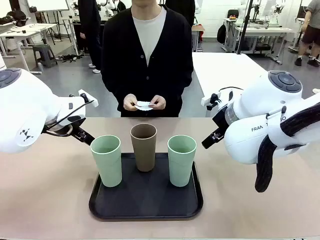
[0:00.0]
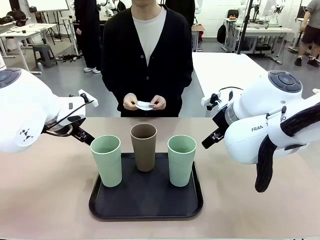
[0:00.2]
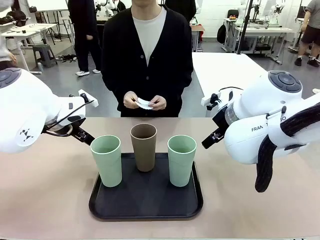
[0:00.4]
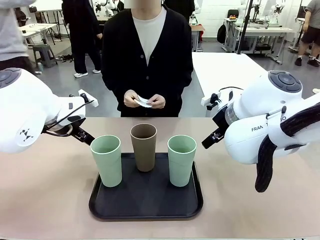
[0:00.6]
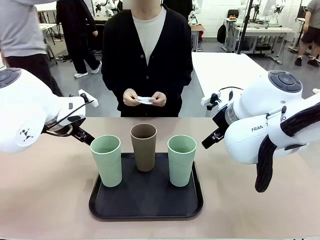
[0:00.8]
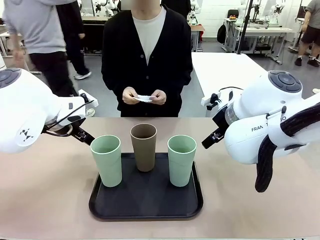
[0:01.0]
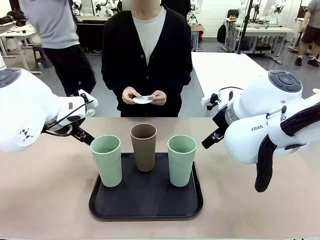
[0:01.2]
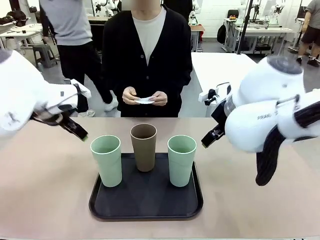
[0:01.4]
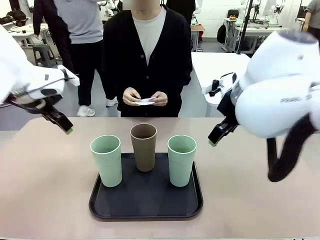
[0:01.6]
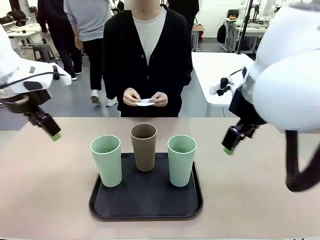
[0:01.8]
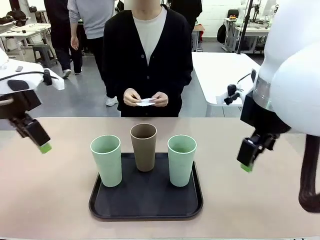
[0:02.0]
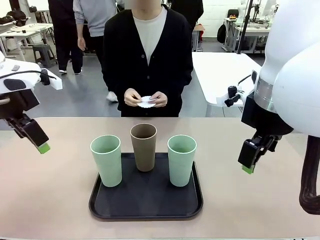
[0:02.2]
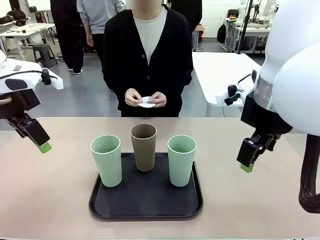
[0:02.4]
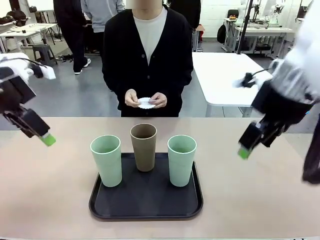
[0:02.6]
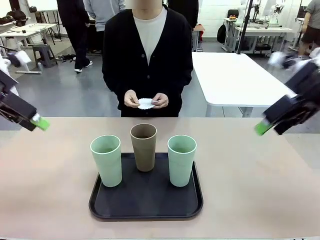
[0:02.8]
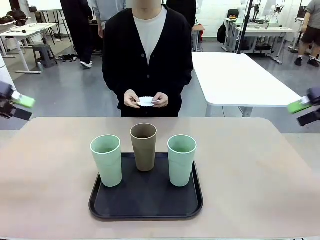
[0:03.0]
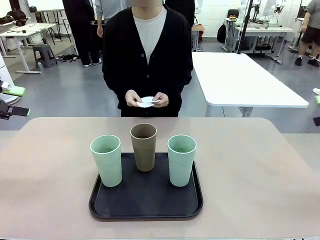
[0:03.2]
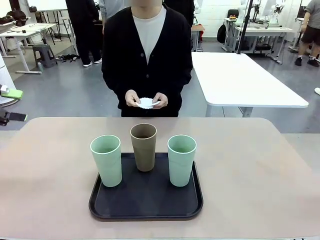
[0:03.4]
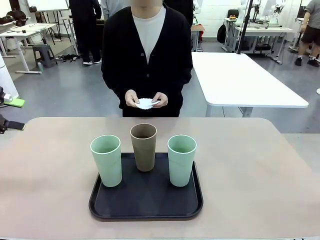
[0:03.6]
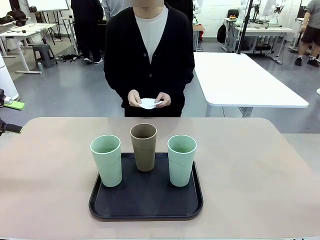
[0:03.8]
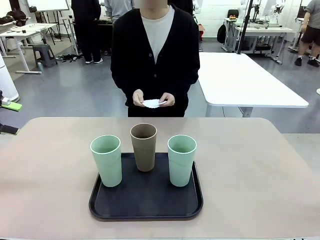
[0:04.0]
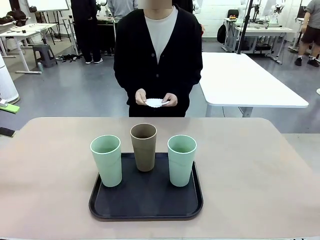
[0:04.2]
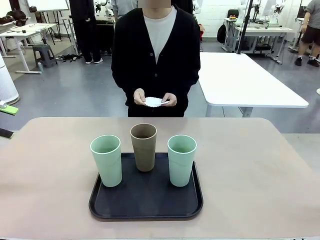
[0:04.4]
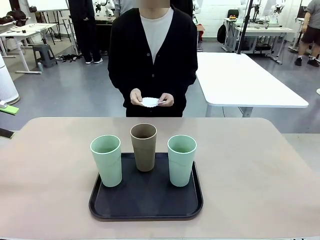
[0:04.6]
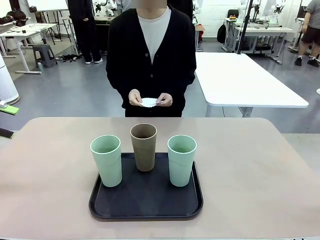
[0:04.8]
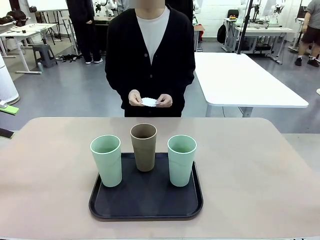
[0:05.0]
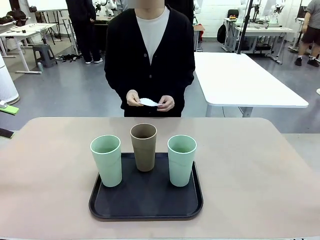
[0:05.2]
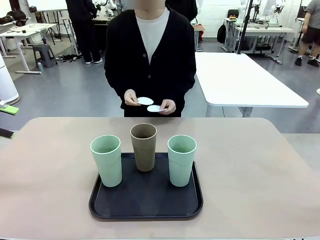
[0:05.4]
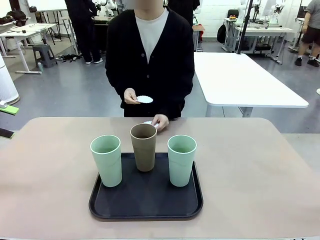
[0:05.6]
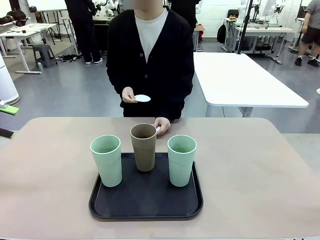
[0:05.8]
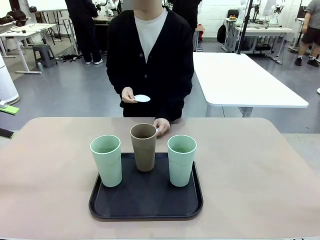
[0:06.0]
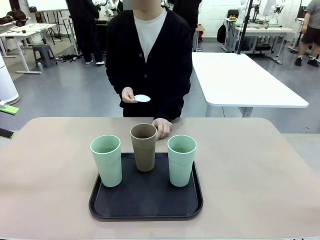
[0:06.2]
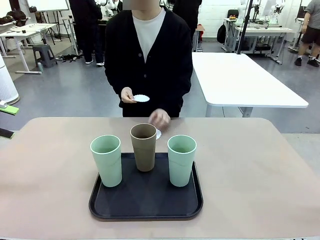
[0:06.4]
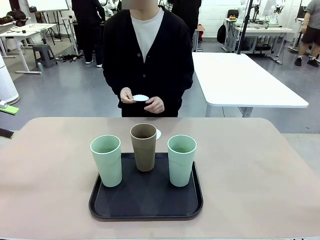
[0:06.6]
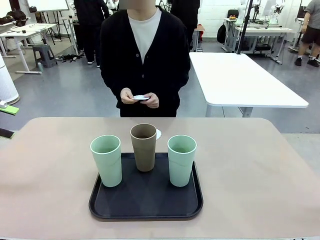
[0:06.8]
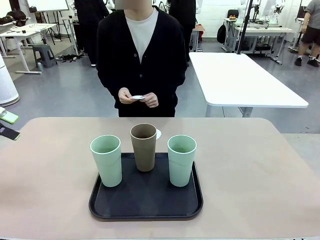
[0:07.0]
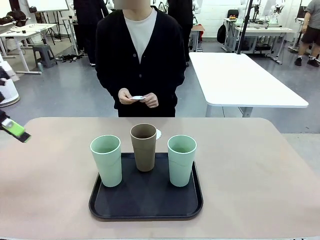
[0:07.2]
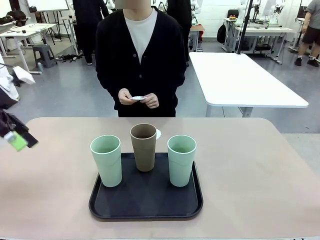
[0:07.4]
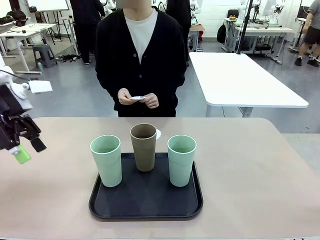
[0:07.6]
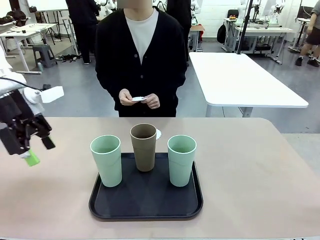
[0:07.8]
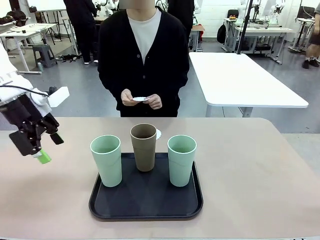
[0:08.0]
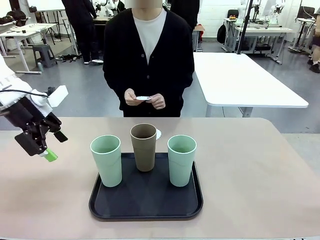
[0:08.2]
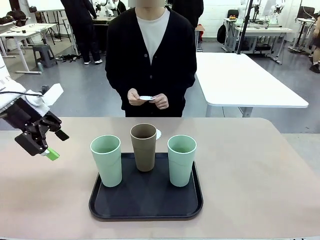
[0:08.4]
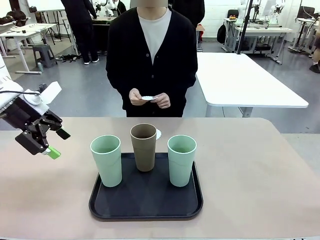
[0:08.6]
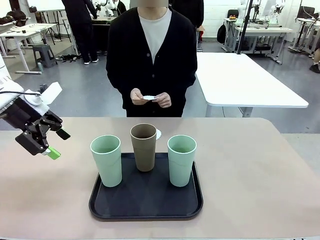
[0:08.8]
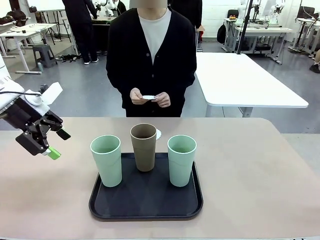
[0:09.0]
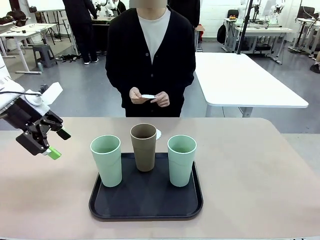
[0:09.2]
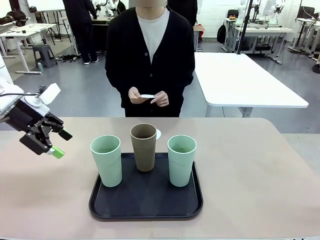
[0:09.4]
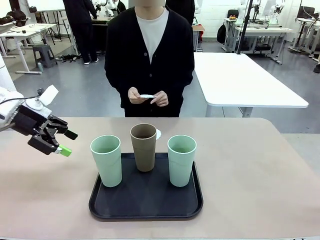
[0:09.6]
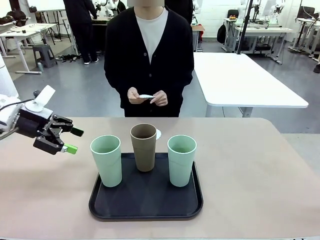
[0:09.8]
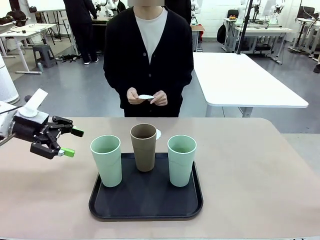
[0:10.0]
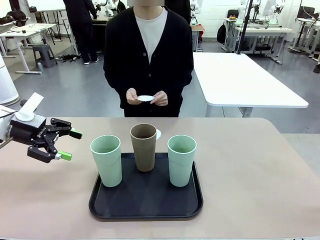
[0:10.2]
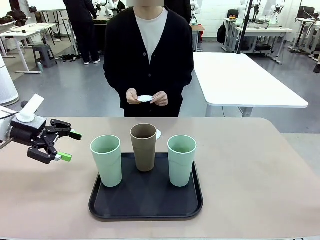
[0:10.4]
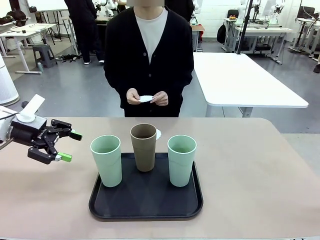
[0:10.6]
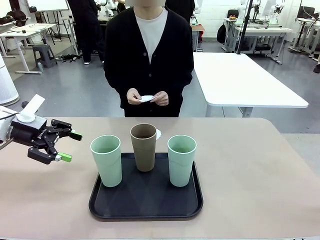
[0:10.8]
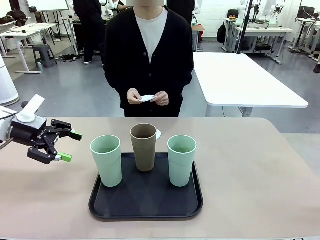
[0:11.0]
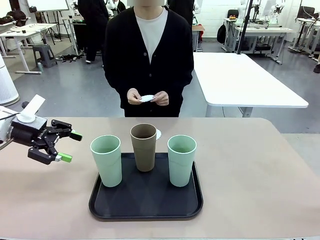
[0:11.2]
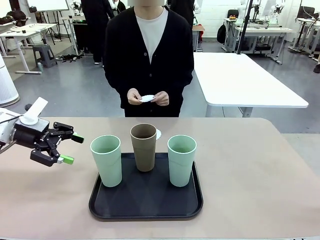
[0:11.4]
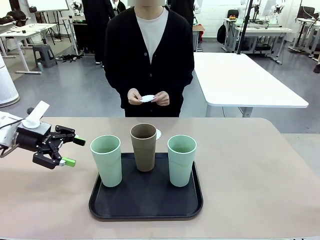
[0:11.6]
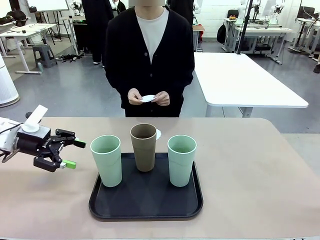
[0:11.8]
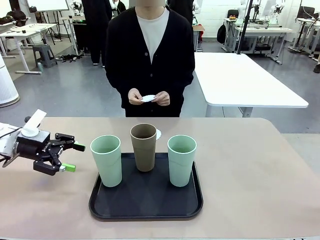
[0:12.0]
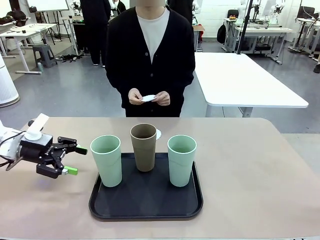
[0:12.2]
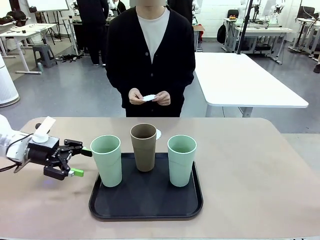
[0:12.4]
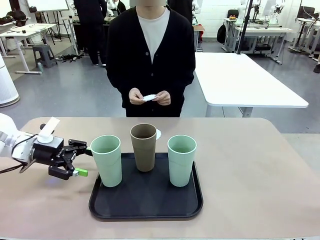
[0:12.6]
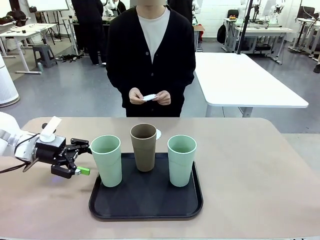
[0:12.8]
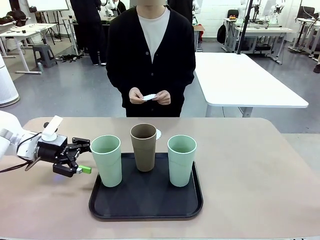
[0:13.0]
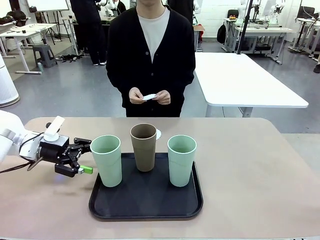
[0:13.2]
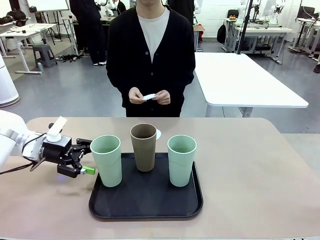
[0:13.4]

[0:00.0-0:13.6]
Task: Place coasters on the table and set cups on them.
Robot: Pick up one Reusable plastic cup and place it on a coaster set by the human.
Person: Place one coaster in any one of the three lower areas of the robot table (left, center, or right).
